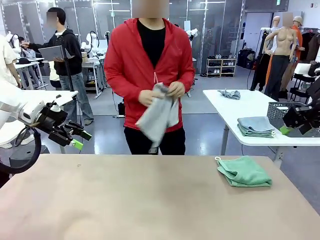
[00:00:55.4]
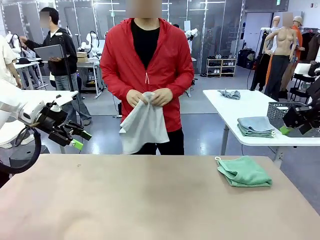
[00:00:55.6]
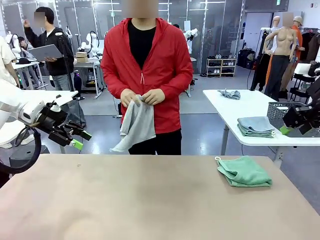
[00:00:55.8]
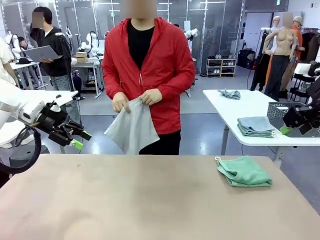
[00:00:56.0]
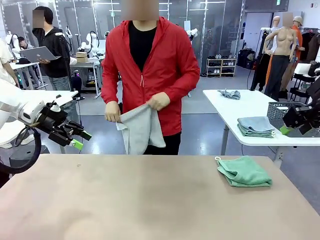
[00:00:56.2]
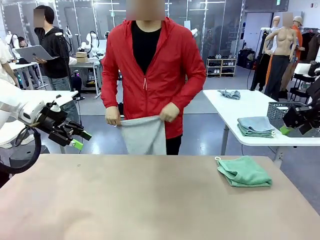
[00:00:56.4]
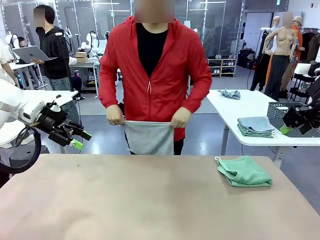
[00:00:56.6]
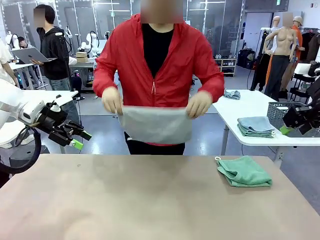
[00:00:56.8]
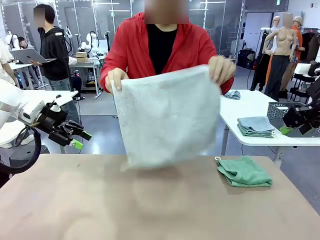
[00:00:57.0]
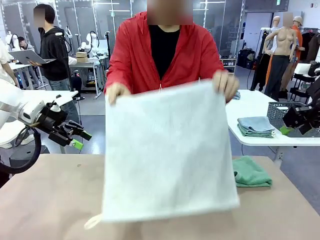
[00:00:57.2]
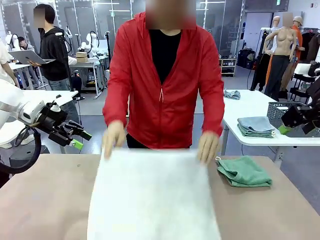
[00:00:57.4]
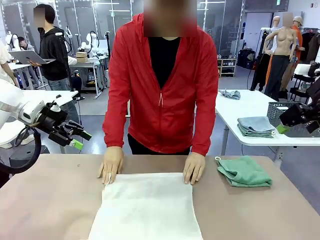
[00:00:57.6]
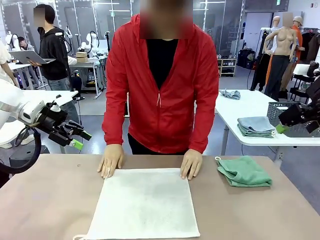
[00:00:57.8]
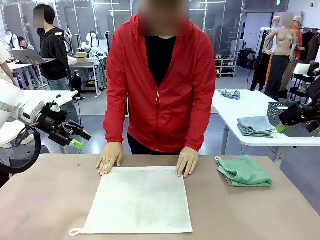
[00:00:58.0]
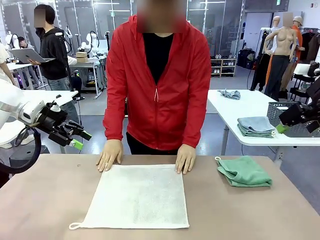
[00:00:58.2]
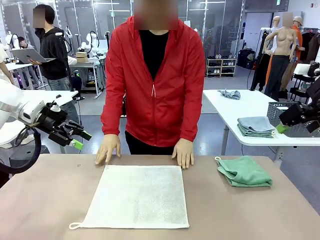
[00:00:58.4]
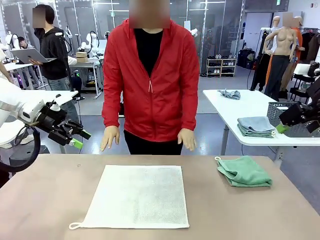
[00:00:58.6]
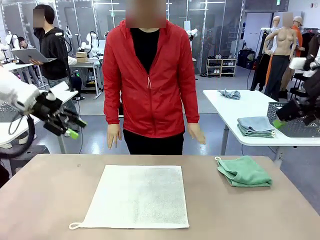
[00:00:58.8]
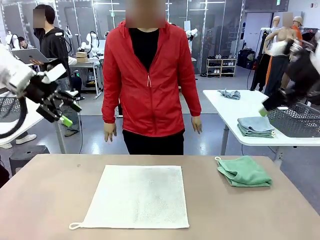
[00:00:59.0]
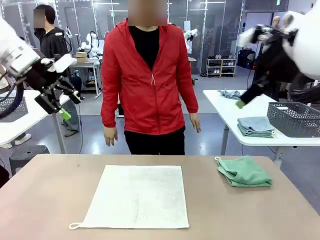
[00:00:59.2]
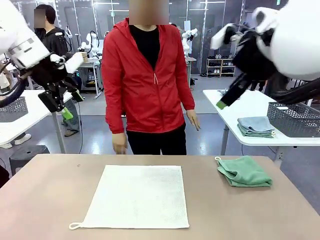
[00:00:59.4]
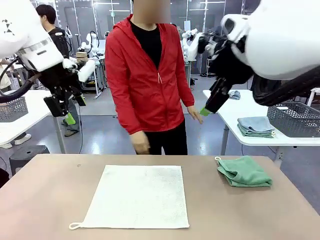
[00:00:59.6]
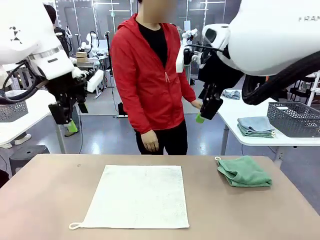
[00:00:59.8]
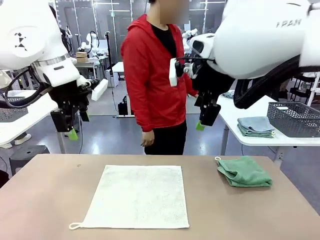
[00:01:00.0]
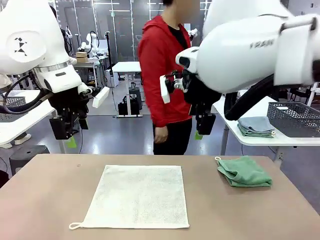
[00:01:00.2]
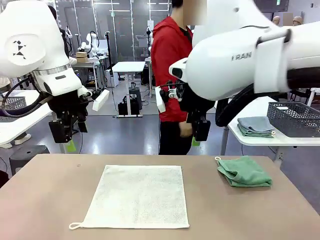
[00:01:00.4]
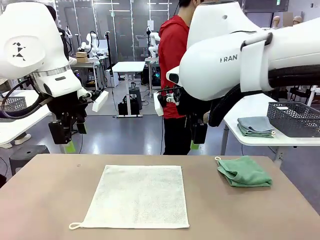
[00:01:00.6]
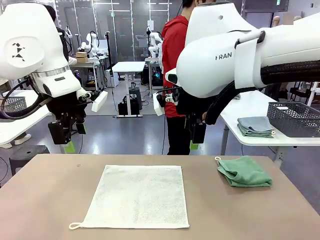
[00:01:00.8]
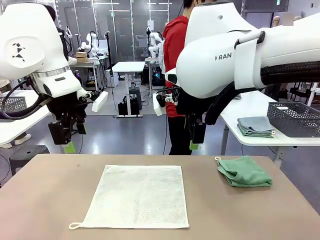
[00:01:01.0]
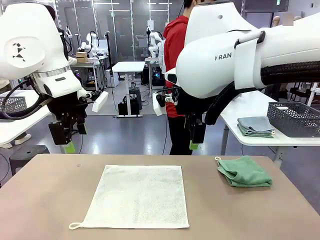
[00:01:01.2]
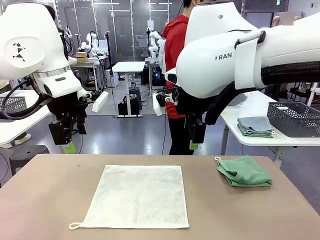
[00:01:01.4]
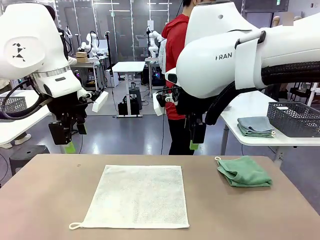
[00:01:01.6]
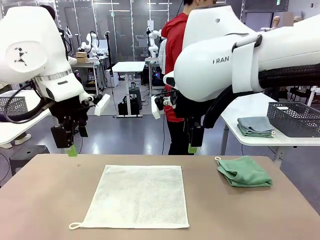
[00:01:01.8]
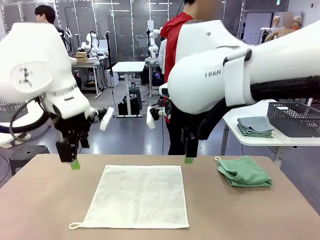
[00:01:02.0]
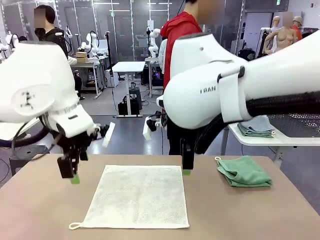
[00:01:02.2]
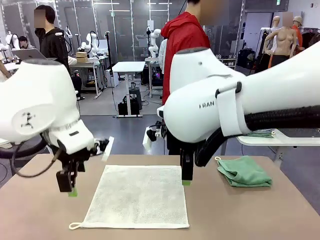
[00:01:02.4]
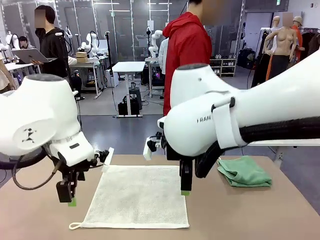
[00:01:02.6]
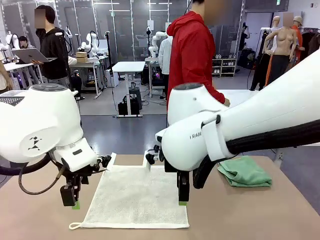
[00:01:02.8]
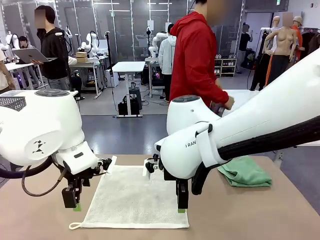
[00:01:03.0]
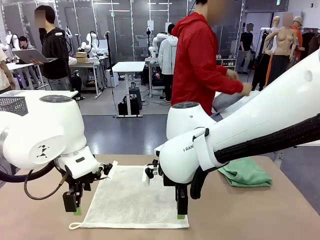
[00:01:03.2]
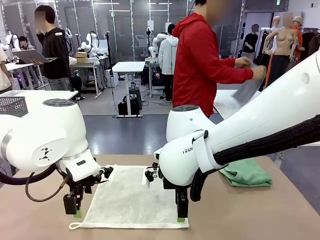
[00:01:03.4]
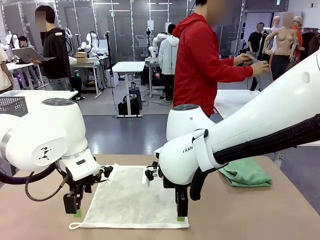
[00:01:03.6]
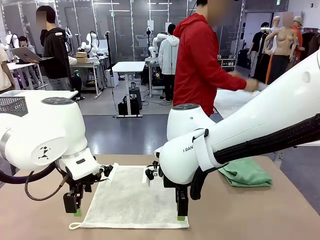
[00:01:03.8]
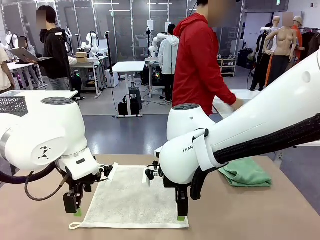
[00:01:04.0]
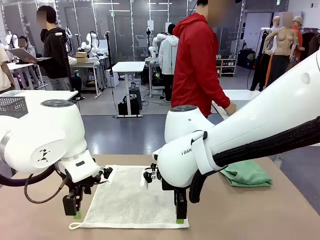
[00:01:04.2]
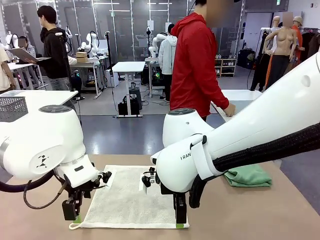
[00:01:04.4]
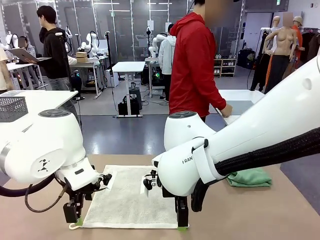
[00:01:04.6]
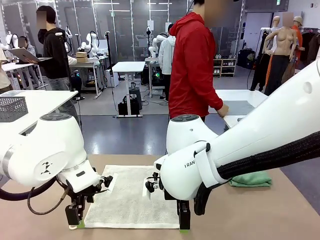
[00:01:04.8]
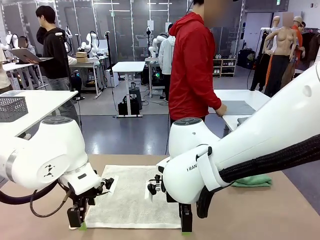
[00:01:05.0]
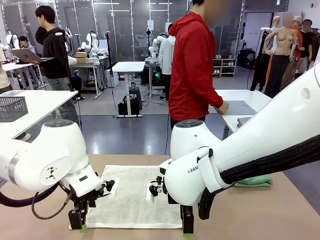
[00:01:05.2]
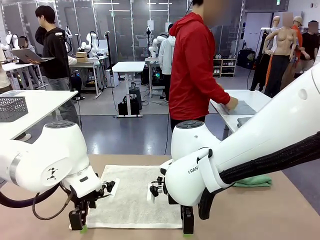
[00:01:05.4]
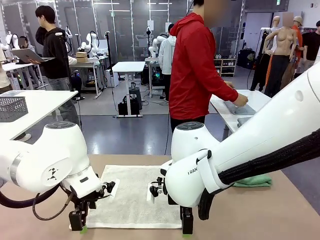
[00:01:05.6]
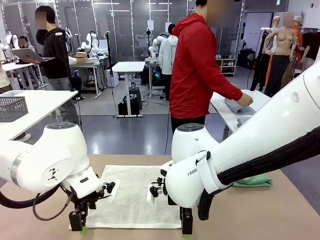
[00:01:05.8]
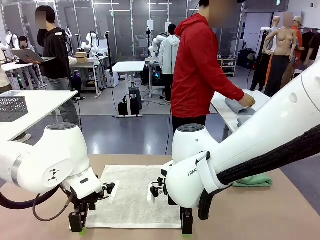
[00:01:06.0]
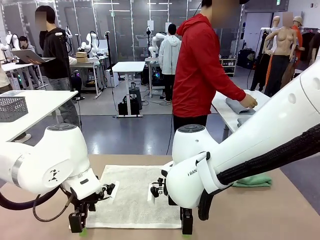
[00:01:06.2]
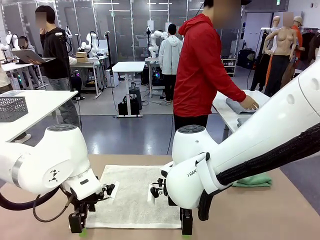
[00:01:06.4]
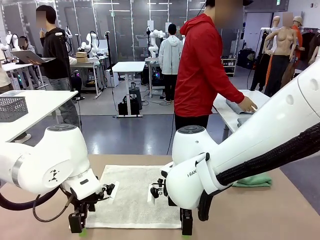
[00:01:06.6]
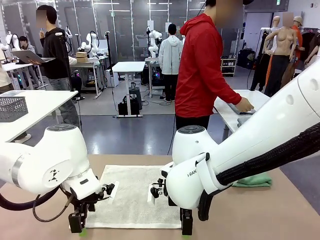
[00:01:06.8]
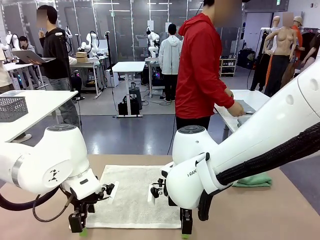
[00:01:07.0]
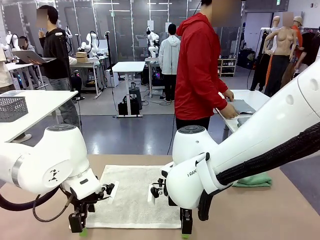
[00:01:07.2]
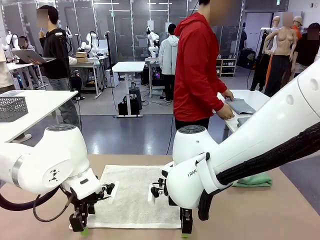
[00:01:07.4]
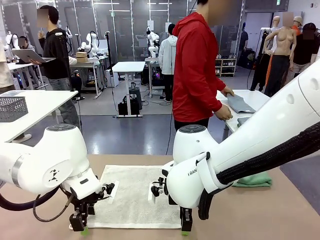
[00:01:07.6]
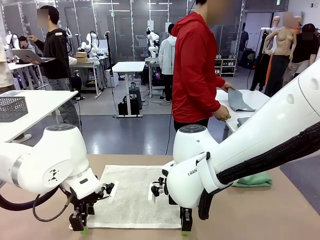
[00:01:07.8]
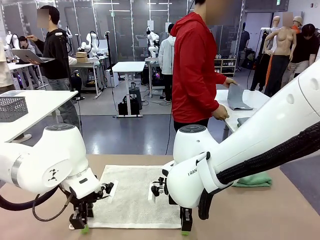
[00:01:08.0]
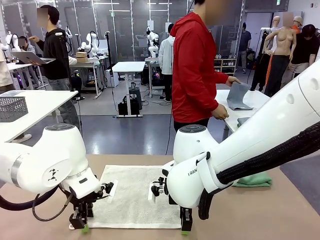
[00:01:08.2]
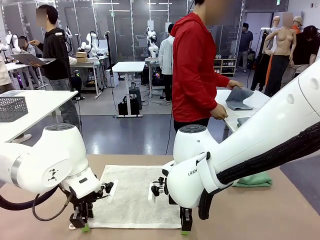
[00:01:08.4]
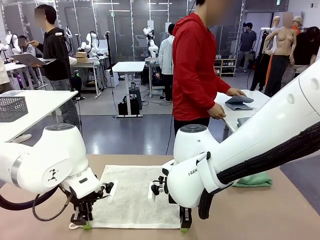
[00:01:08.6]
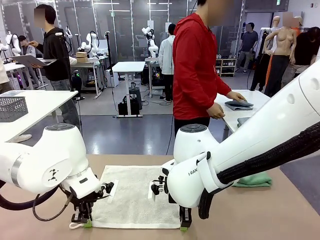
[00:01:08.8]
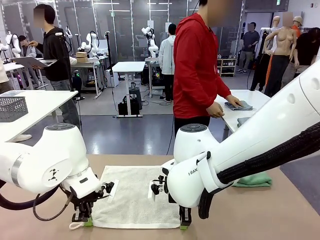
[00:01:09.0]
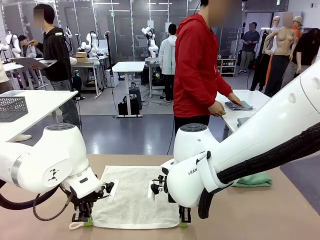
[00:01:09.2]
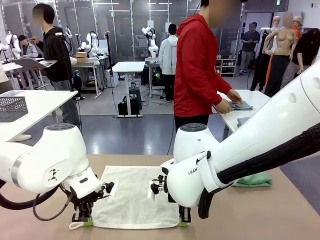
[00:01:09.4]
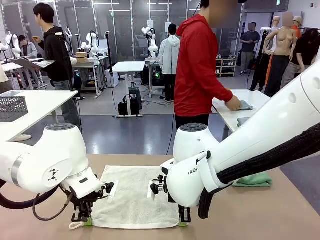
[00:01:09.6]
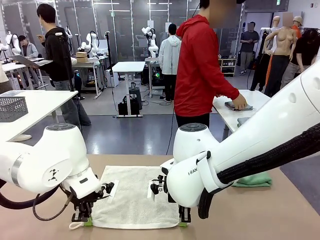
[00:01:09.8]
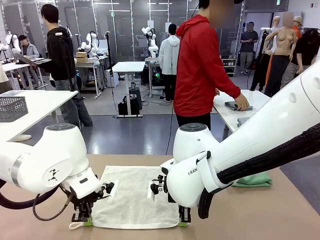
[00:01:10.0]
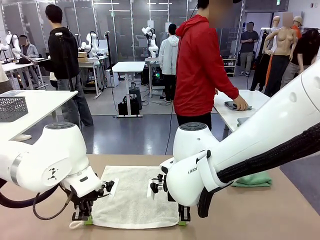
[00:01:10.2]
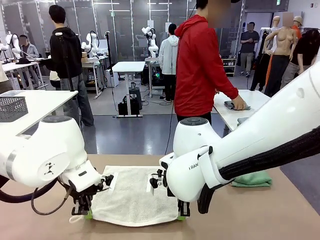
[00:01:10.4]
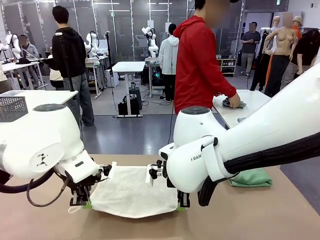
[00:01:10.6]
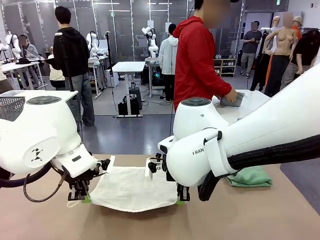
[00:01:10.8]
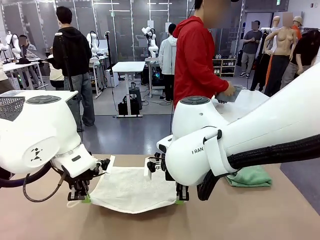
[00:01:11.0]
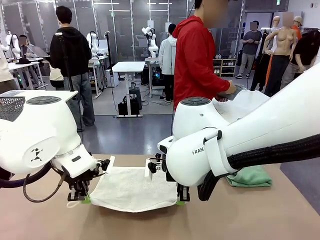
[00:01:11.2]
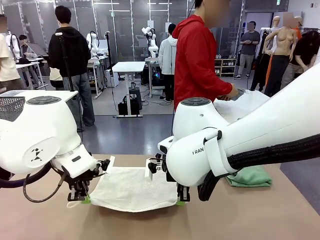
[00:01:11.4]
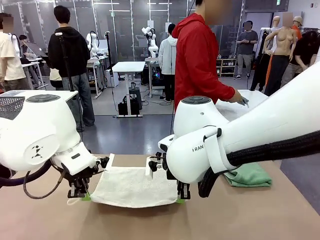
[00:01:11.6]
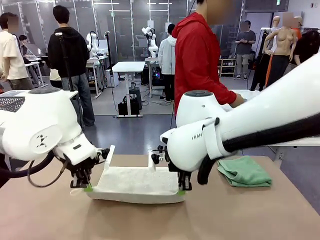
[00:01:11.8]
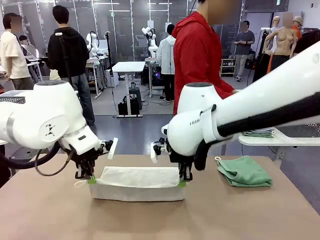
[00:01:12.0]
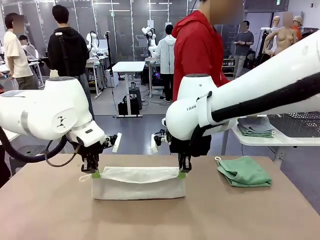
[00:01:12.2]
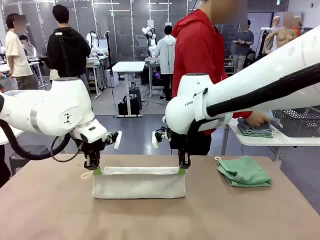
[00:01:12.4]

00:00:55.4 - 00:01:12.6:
Task: Fold the towels and place them in the basket.
Robot: When a person lays out a Towel with hook on the table, fold it in half twice.
Person: Pick up one towel from the left side of the human table and spread it out at the center of the robot table. Pick up one towel from the left side of the human table, fold it in half twice, and stack it on the right side of the table.
